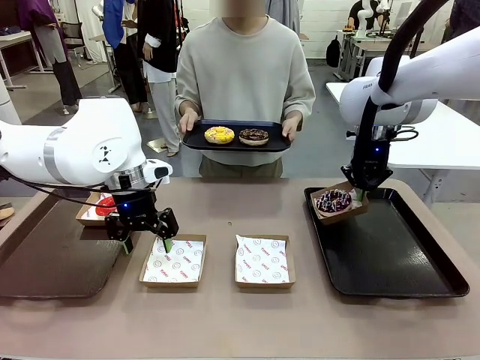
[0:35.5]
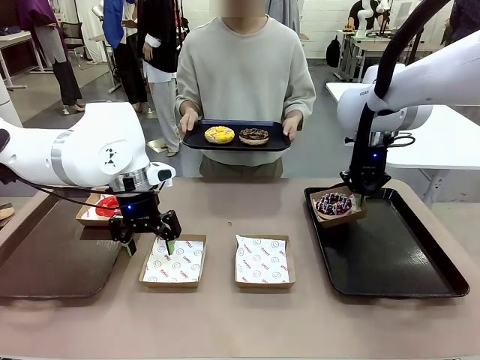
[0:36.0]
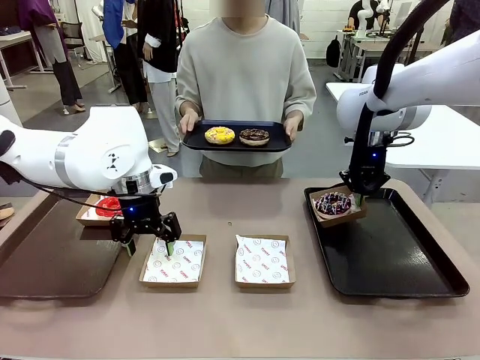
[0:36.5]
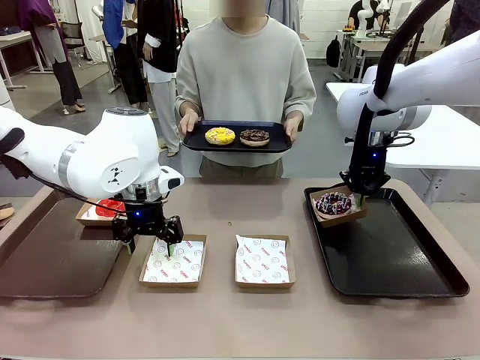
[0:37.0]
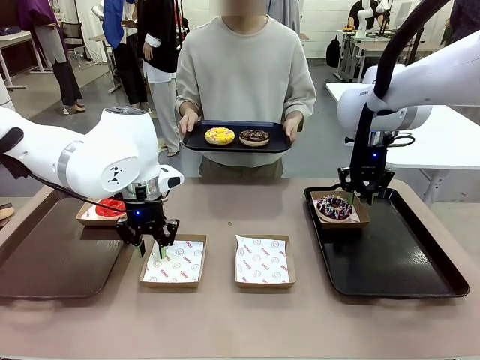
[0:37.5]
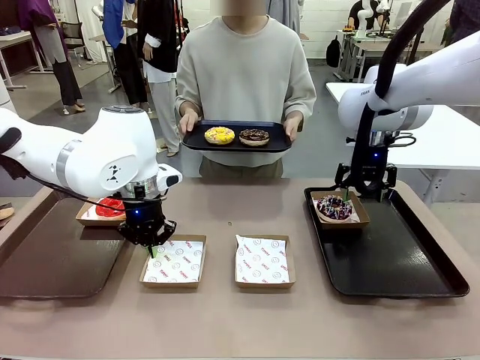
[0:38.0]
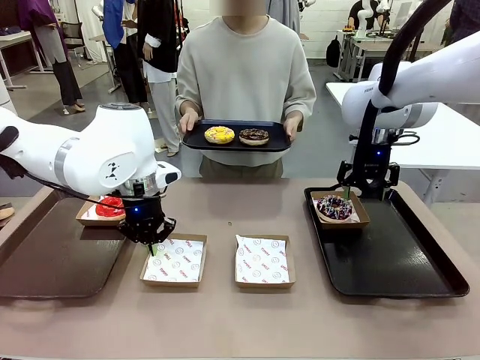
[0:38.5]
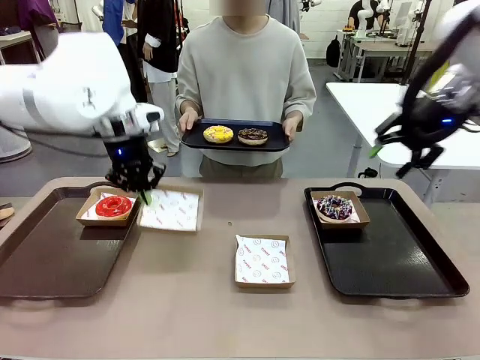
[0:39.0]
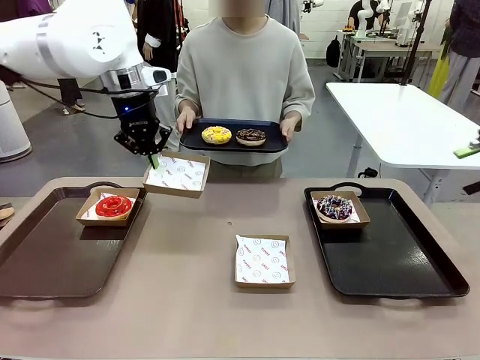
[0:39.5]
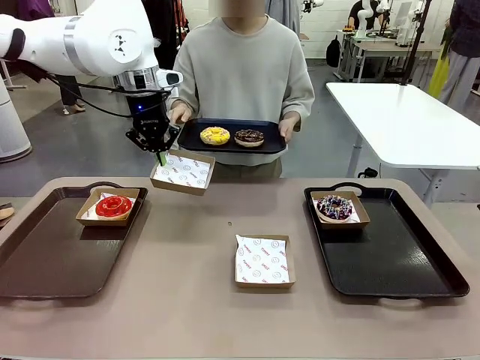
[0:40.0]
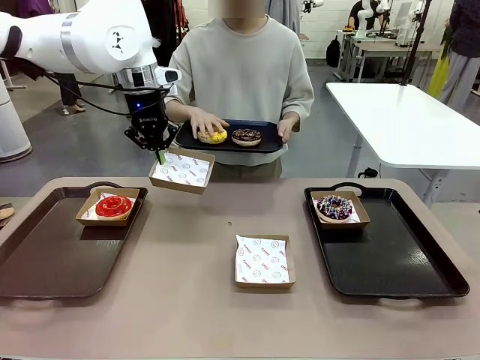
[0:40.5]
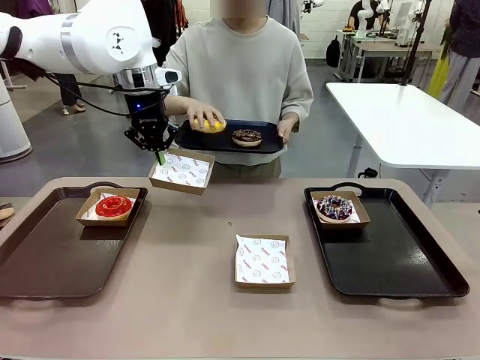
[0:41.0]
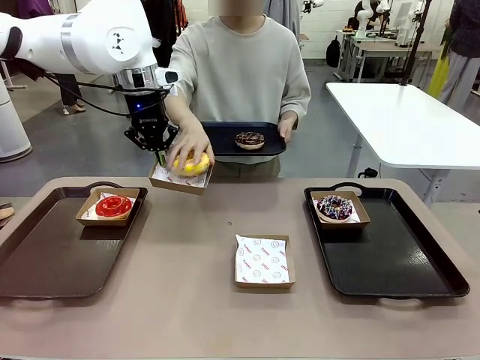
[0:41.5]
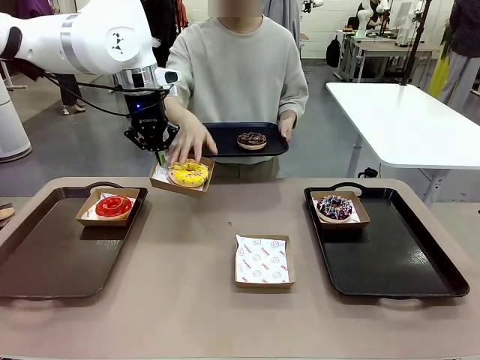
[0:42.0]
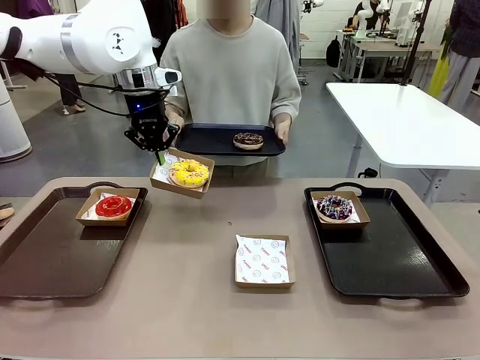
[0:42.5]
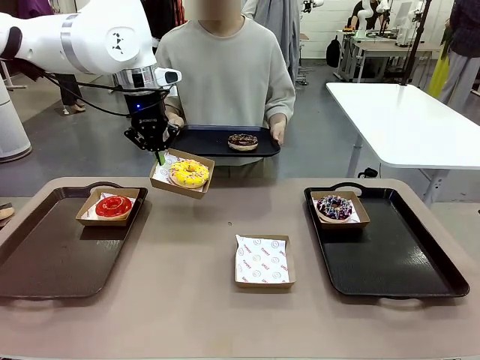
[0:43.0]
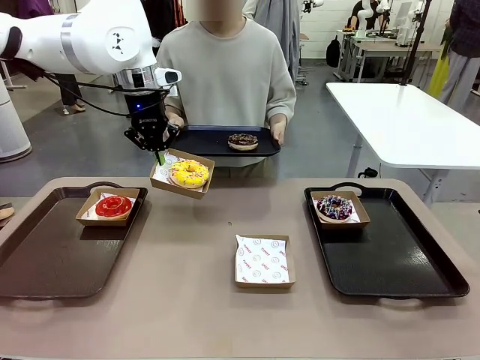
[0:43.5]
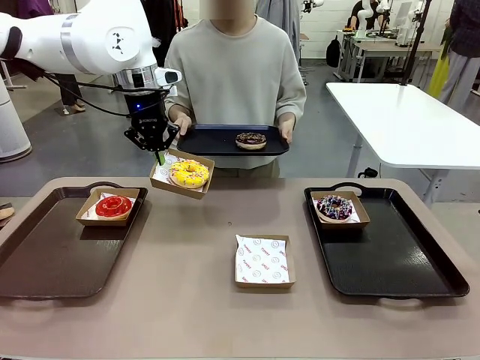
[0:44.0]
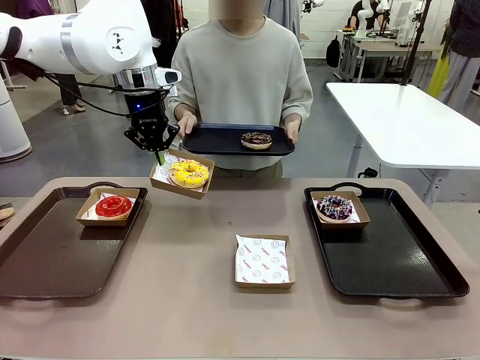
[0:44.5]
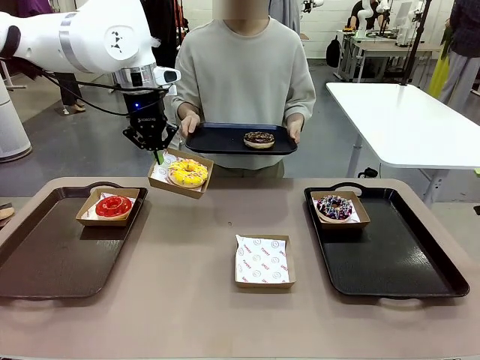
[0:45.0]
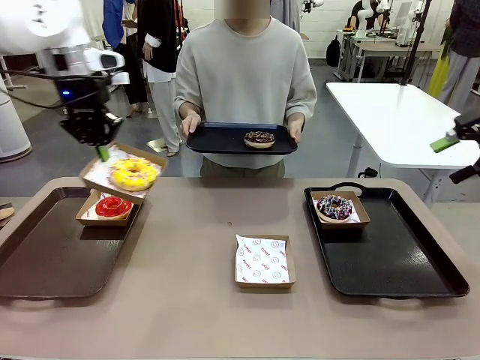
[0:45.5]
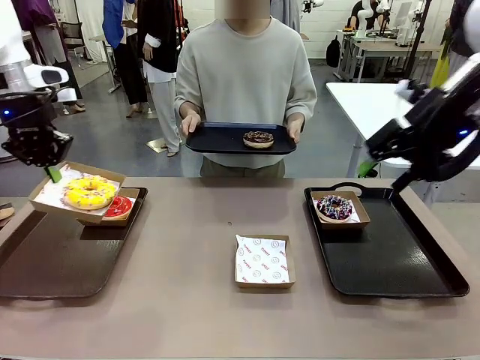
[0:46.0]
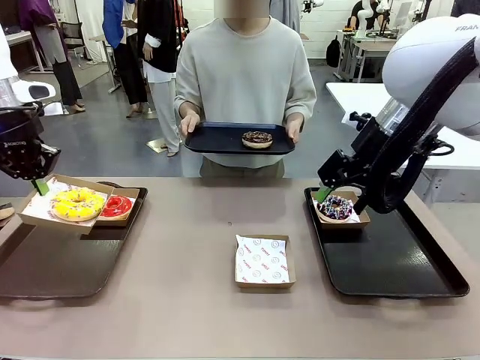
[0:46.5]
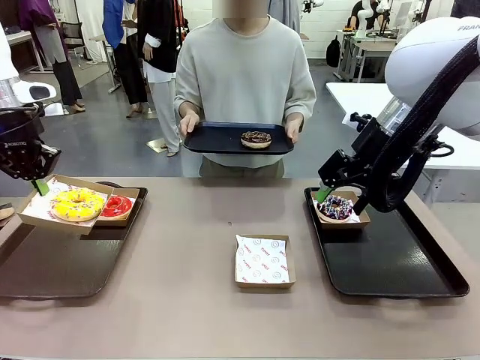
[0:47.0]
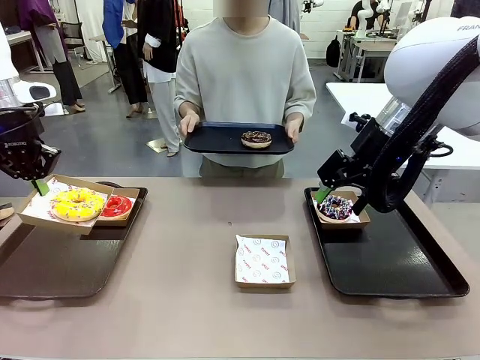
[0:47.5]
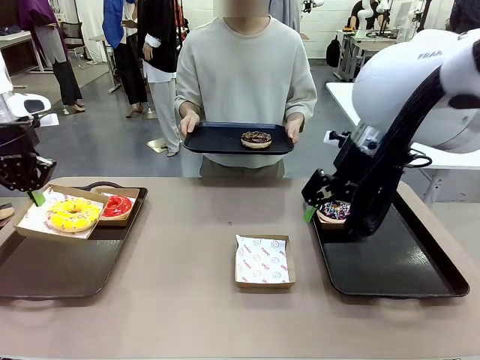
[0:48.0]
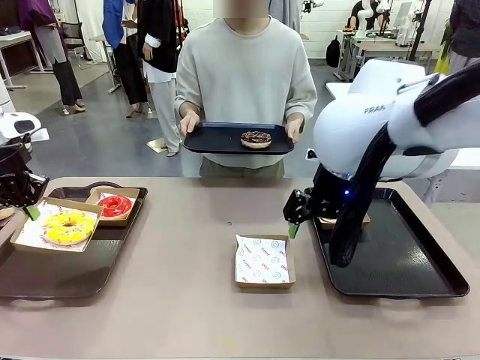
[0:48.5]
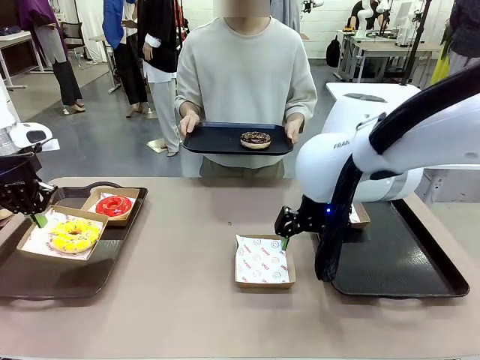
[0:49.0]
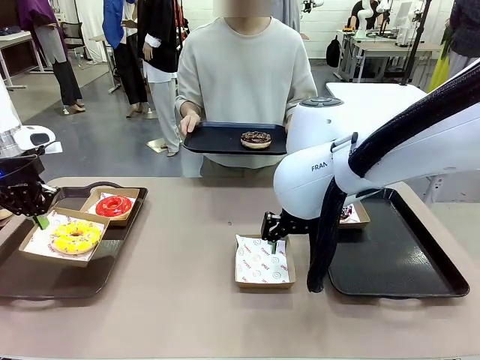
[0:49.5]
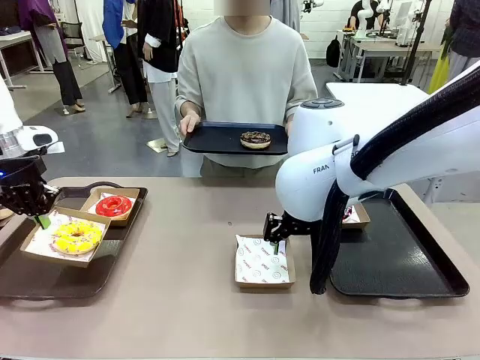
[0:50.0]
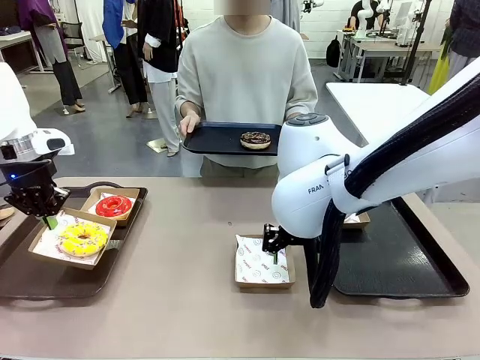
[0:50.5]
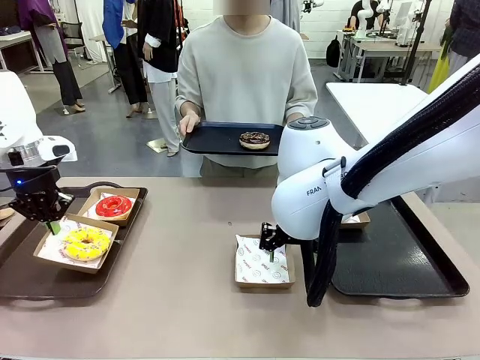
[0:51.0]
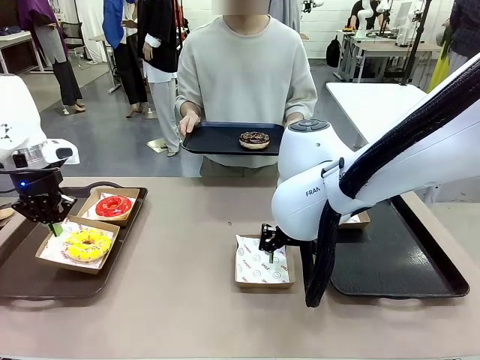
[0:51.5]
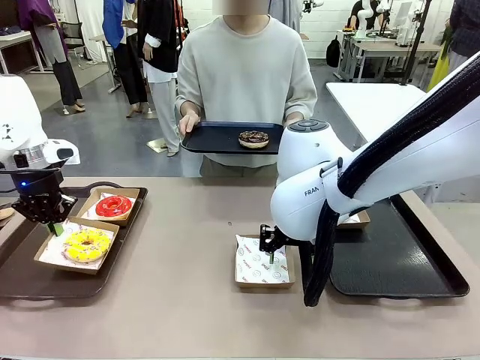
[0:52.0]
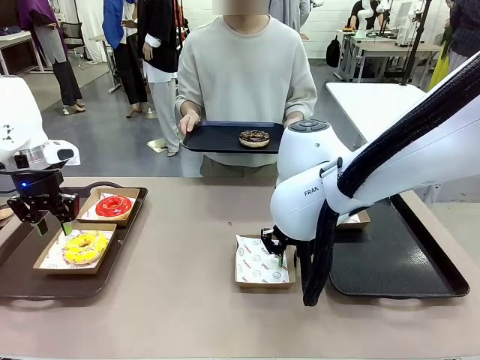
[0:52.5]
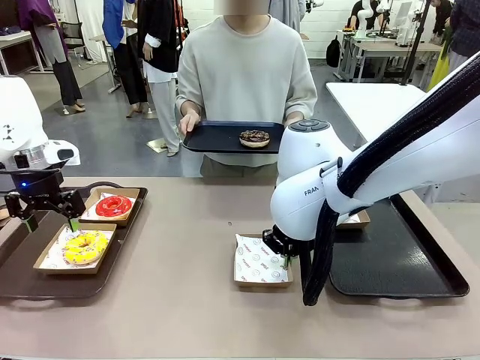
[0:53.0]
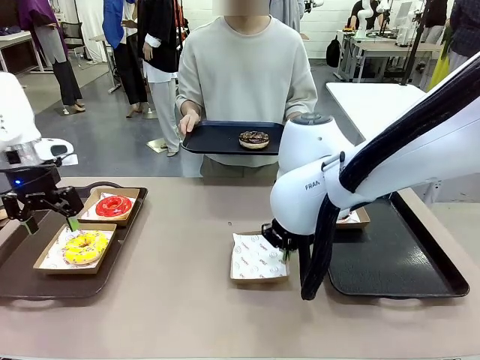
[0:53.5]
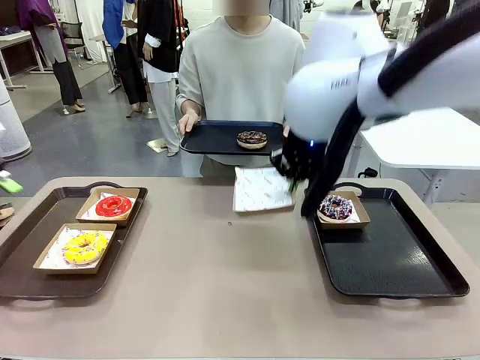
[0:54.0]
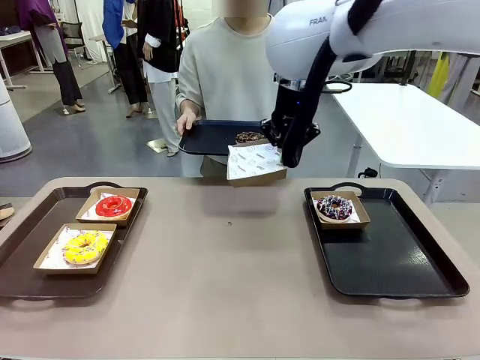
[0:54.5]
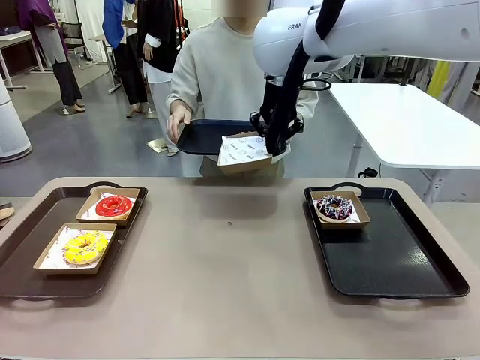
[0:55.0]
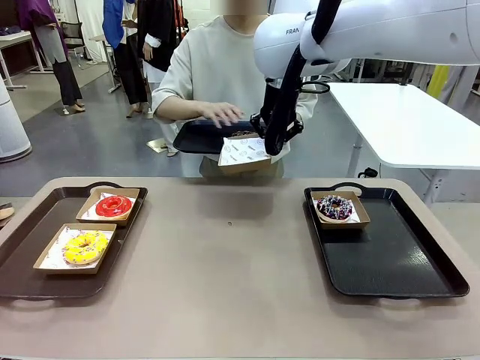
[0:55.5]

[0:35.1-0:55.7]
Task: Individually package the donuts and arrange them on the tray.
Robot: Place the picked Paper togo box on the Handle tray while simultaneously picking up another Paper togo box from the table with the other hand.

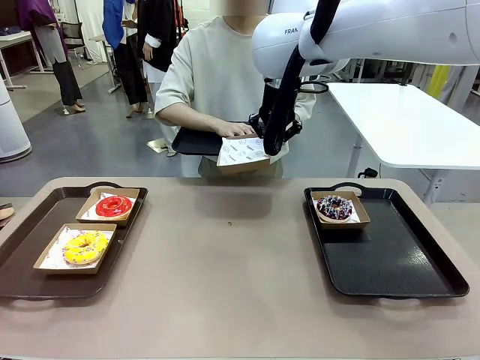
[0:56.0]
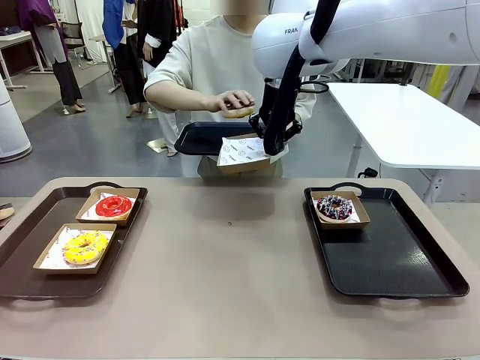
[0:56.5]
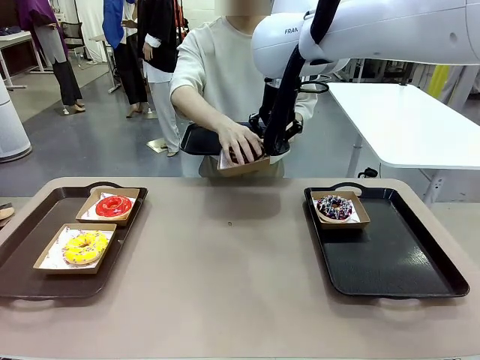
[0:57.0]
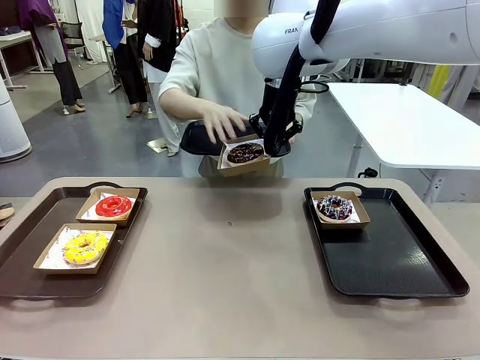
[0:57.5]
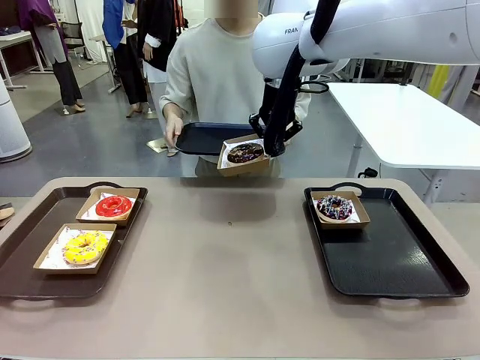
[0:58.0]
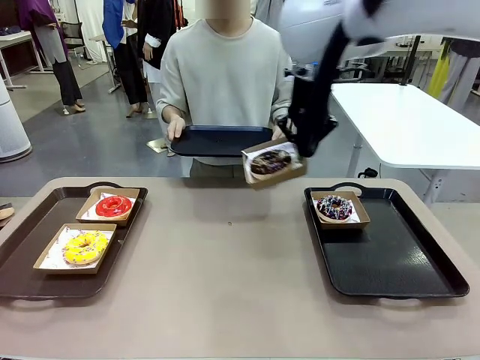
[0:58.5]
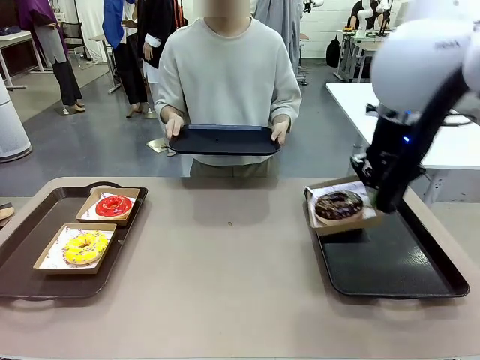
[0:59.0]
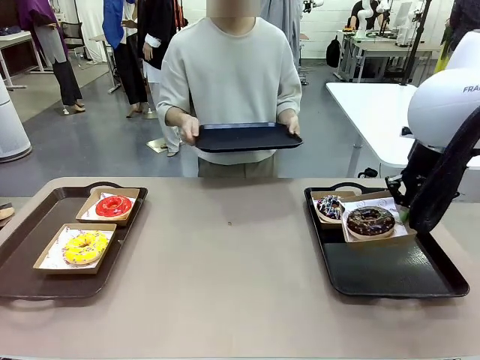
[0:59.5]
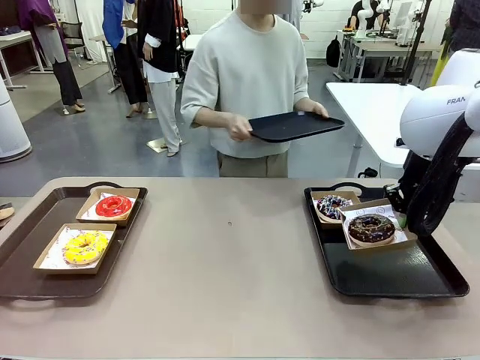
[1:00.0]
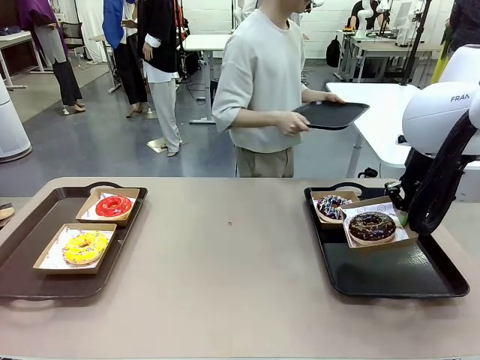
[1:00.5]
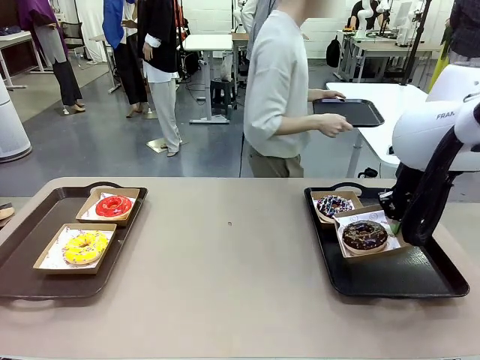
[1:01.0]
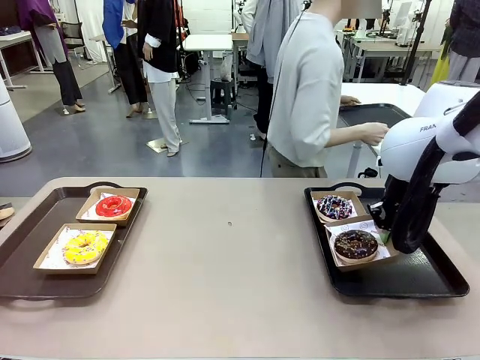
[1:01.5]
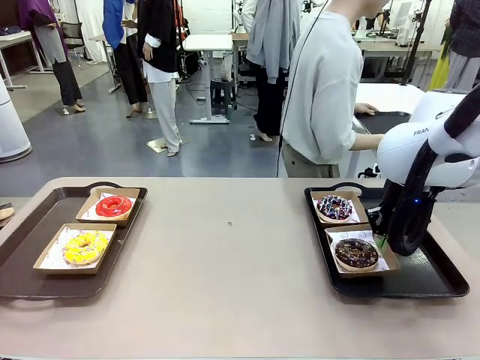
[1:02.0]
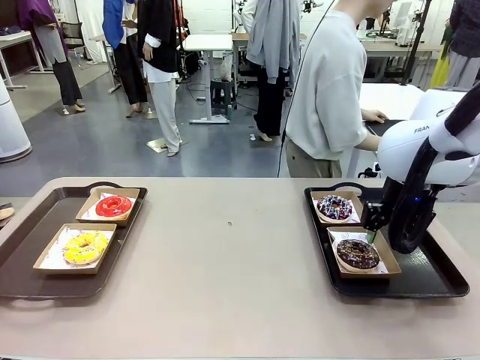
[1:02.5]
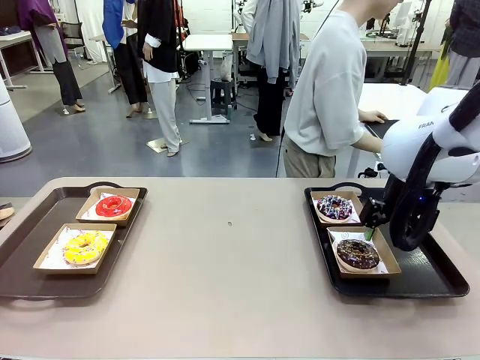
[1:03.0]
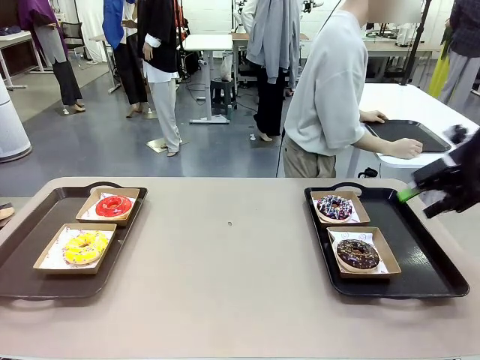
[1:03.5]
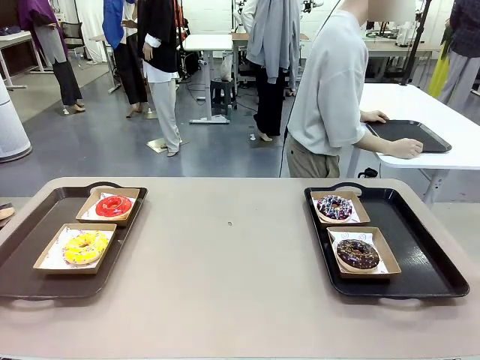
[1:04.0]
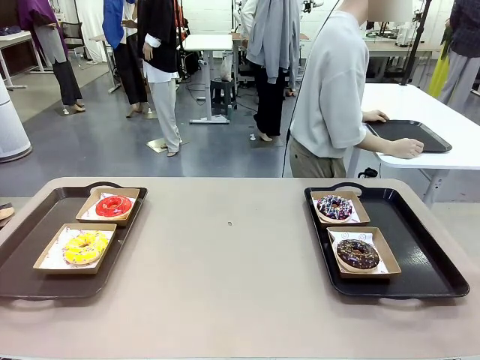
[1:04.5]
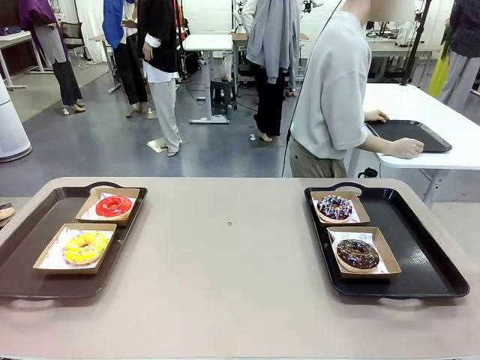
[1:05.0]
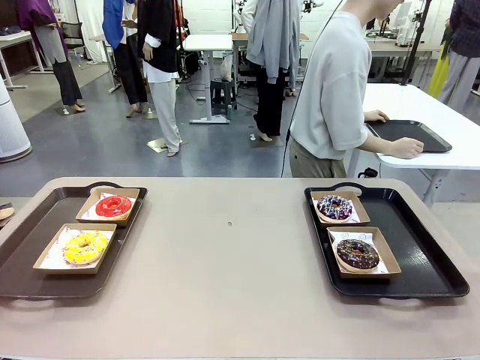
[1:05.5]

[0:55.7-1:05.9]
Robot: Place the picked Paper togo box on the Handle tray.
Person: Place the tray down in the middle of the human table.
